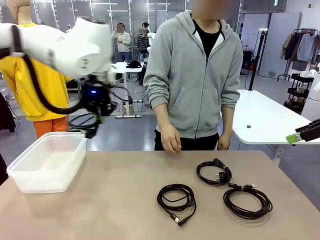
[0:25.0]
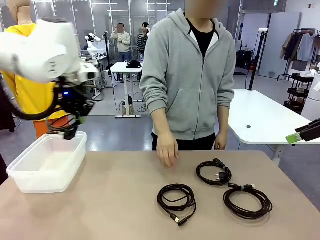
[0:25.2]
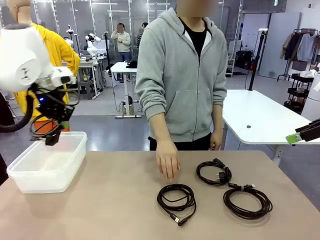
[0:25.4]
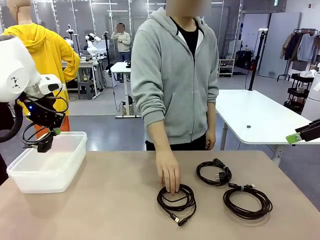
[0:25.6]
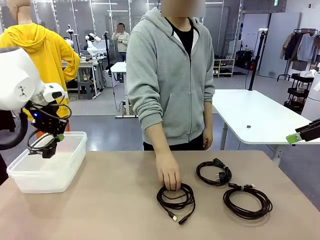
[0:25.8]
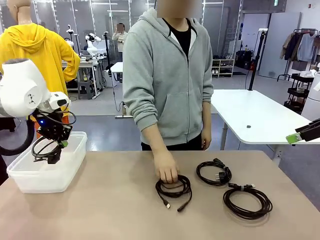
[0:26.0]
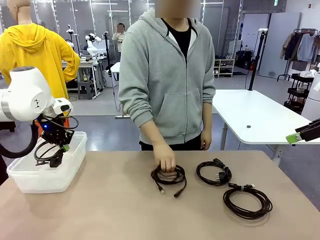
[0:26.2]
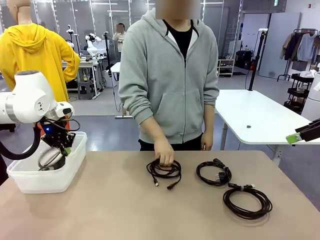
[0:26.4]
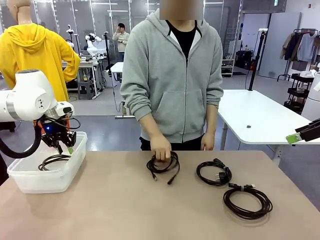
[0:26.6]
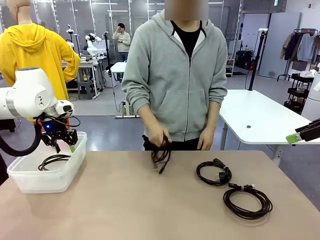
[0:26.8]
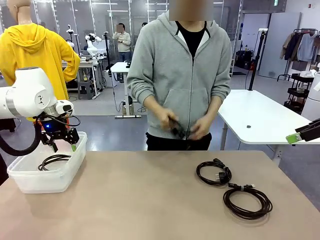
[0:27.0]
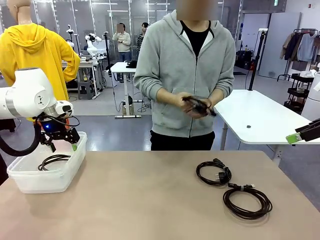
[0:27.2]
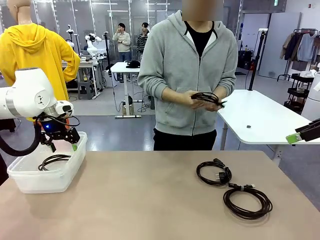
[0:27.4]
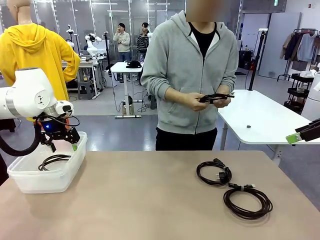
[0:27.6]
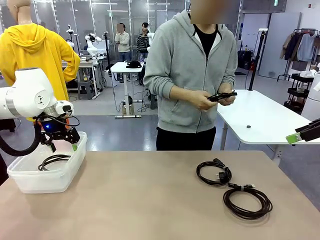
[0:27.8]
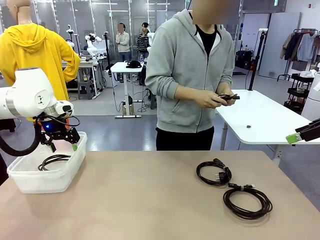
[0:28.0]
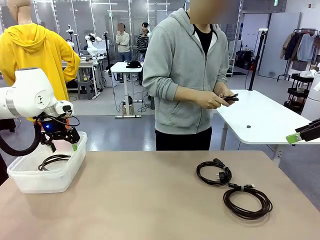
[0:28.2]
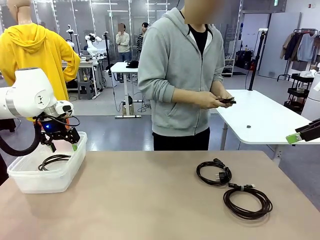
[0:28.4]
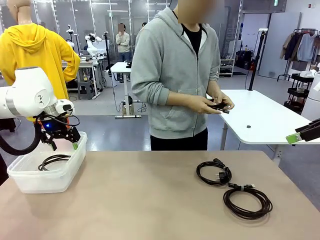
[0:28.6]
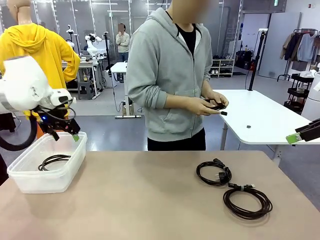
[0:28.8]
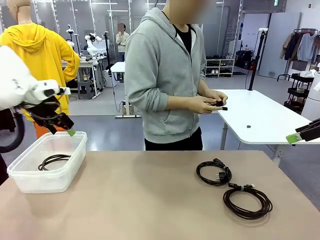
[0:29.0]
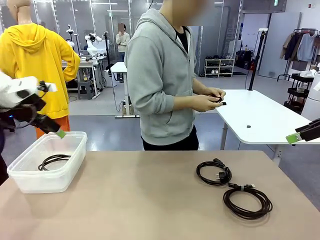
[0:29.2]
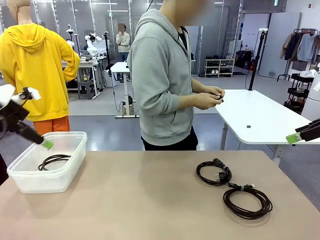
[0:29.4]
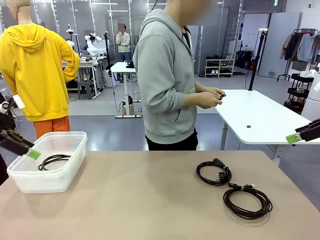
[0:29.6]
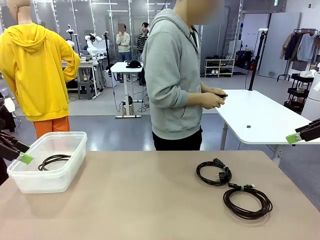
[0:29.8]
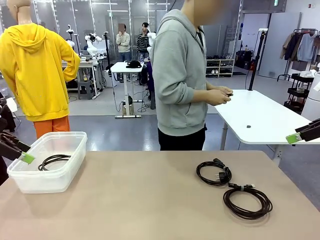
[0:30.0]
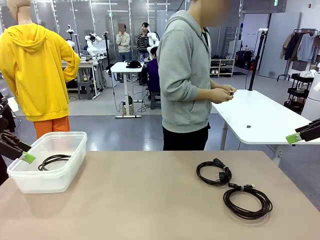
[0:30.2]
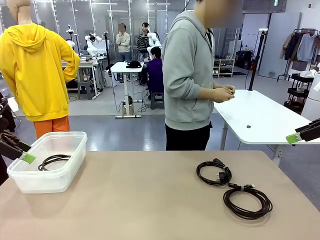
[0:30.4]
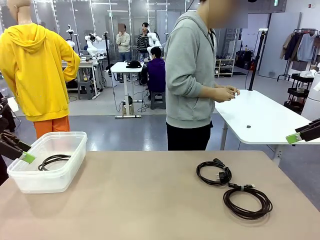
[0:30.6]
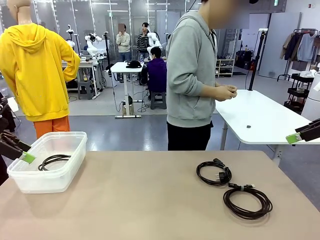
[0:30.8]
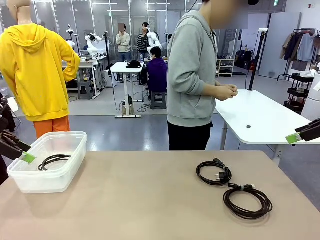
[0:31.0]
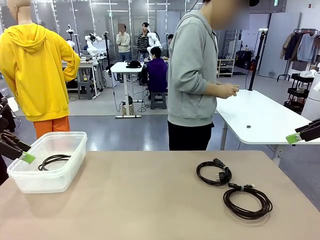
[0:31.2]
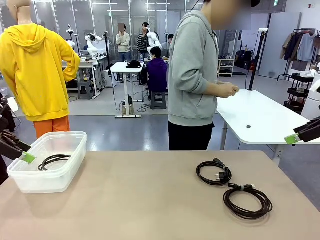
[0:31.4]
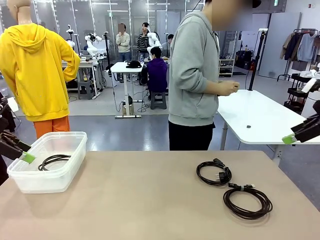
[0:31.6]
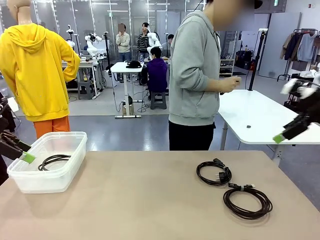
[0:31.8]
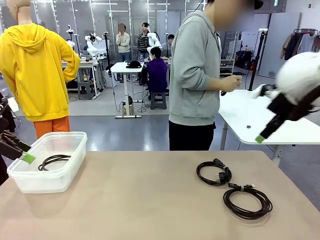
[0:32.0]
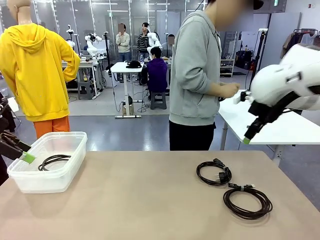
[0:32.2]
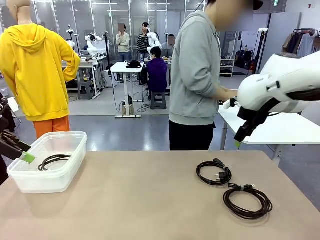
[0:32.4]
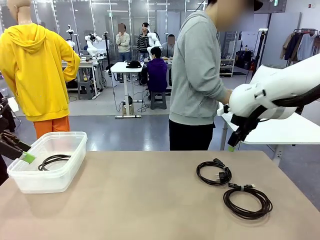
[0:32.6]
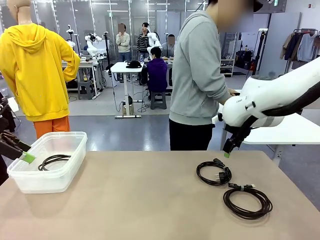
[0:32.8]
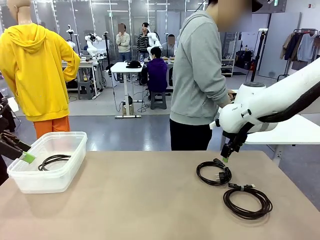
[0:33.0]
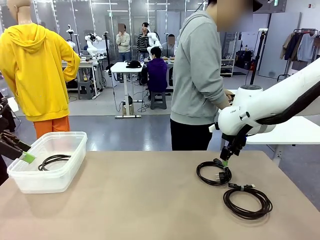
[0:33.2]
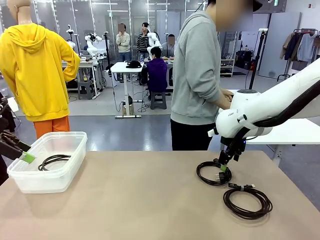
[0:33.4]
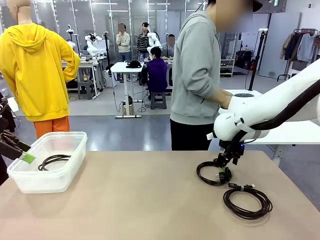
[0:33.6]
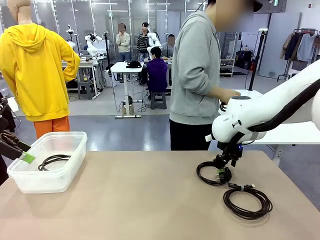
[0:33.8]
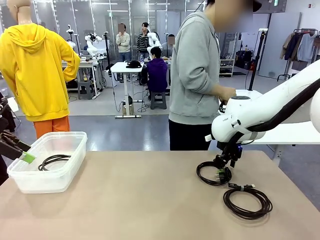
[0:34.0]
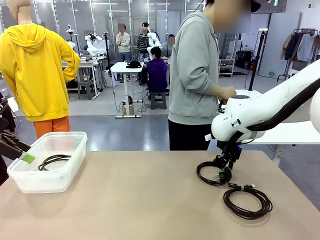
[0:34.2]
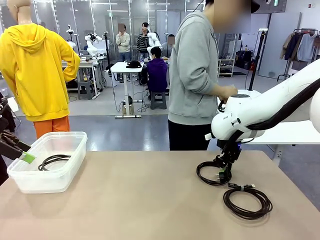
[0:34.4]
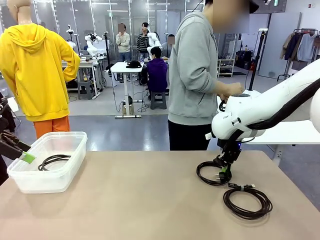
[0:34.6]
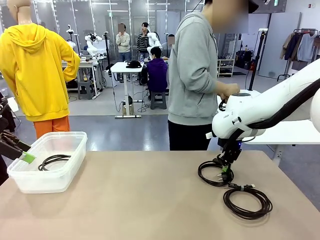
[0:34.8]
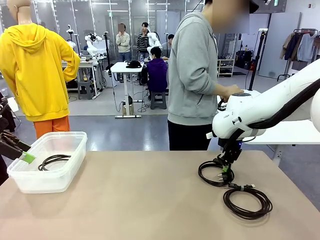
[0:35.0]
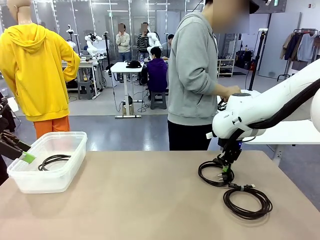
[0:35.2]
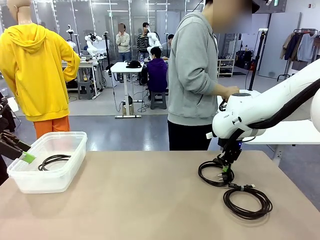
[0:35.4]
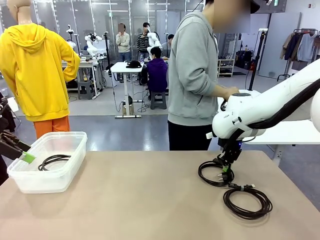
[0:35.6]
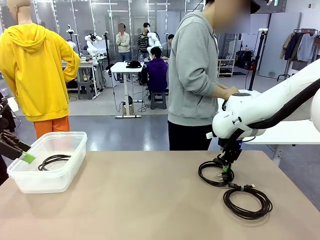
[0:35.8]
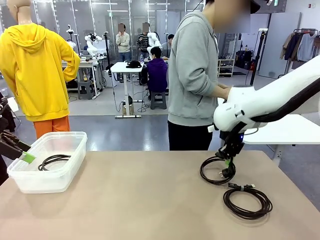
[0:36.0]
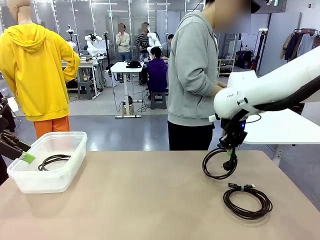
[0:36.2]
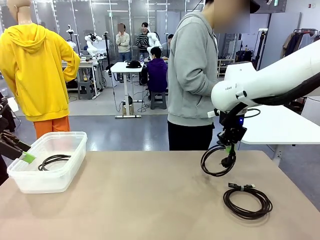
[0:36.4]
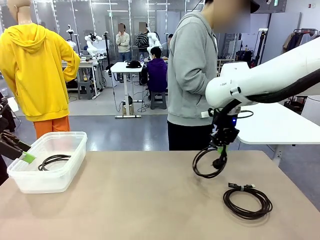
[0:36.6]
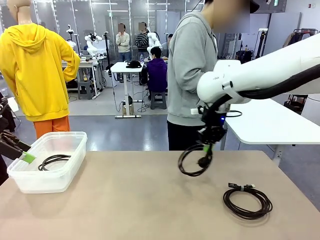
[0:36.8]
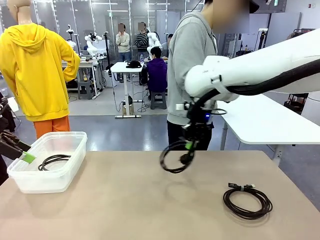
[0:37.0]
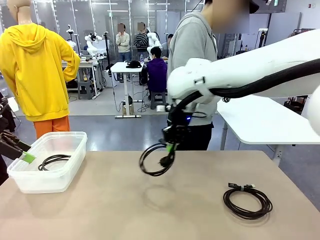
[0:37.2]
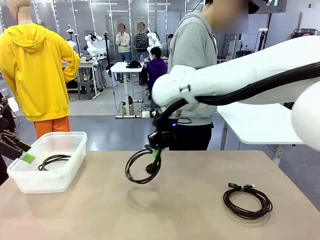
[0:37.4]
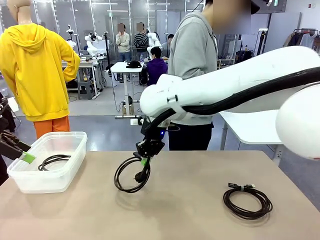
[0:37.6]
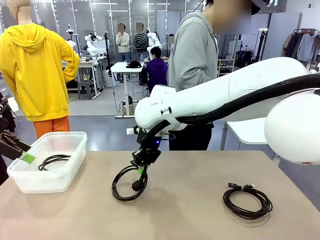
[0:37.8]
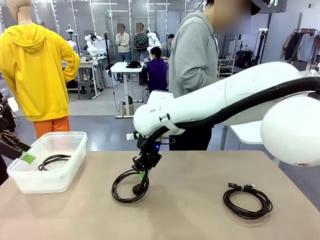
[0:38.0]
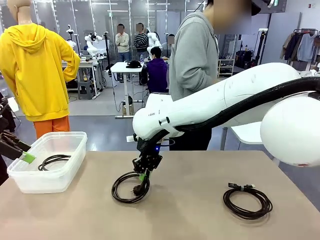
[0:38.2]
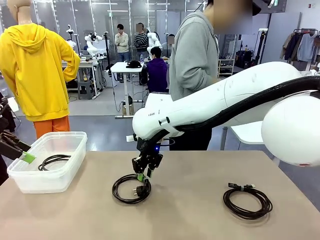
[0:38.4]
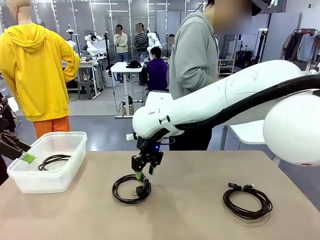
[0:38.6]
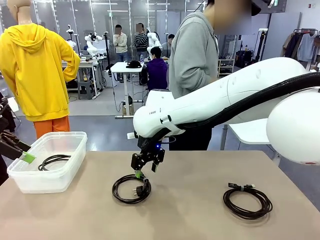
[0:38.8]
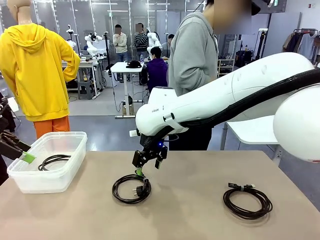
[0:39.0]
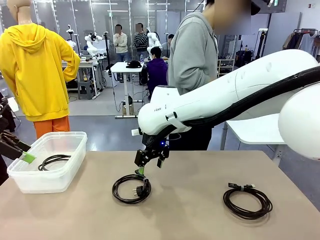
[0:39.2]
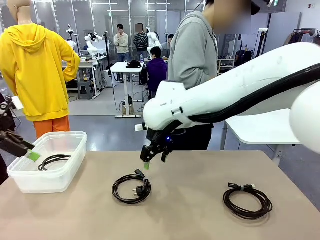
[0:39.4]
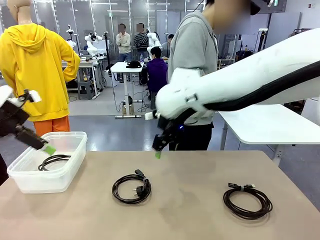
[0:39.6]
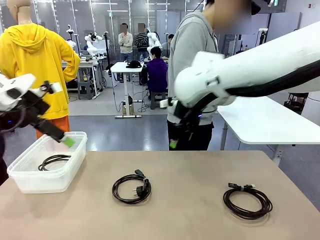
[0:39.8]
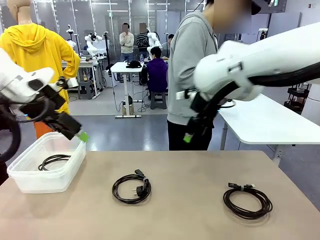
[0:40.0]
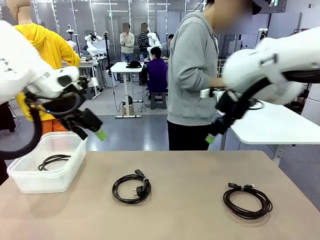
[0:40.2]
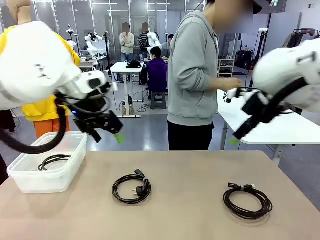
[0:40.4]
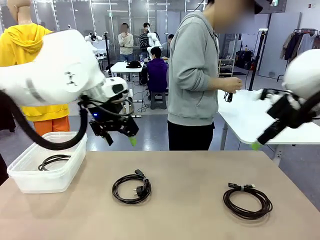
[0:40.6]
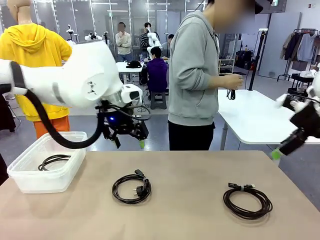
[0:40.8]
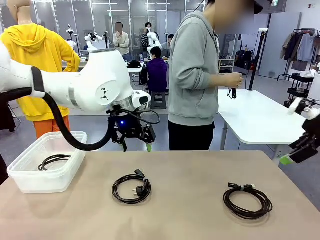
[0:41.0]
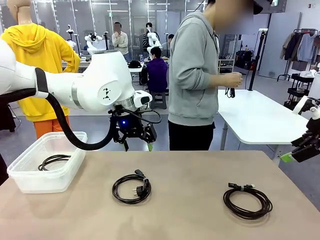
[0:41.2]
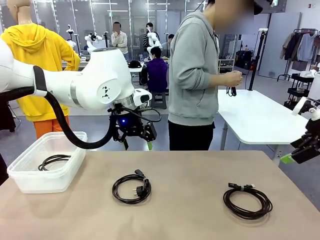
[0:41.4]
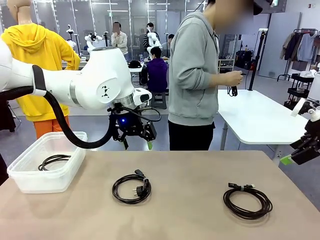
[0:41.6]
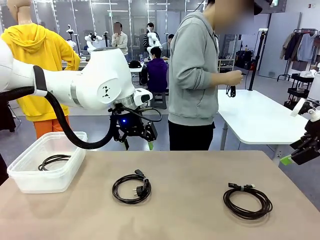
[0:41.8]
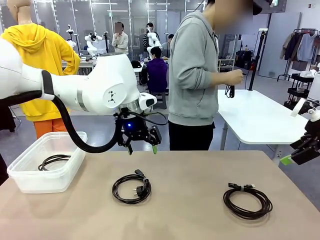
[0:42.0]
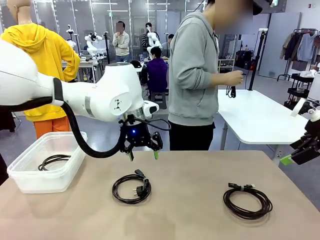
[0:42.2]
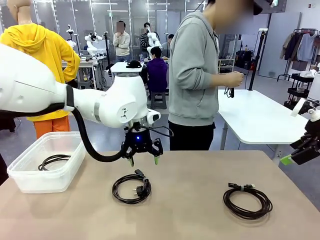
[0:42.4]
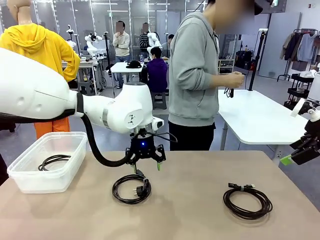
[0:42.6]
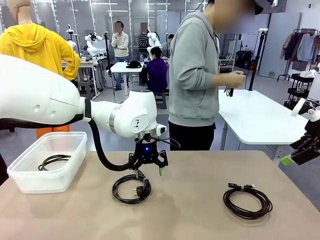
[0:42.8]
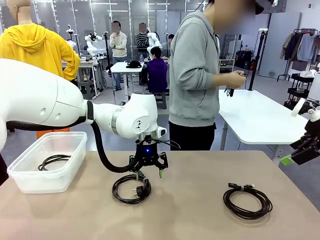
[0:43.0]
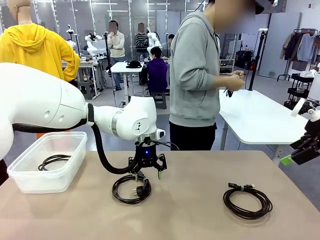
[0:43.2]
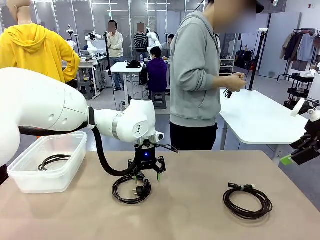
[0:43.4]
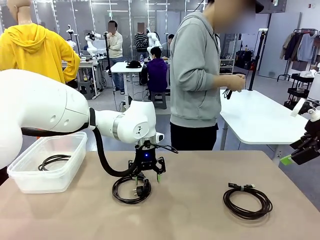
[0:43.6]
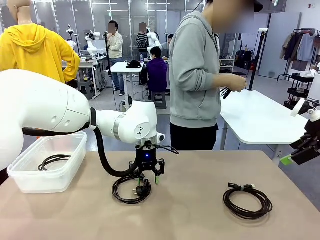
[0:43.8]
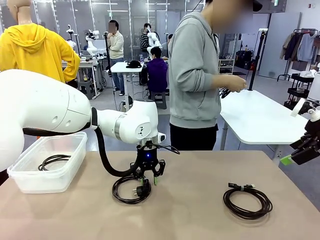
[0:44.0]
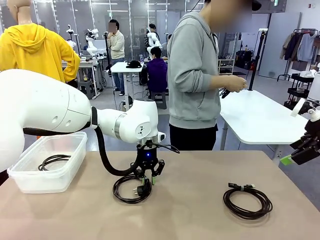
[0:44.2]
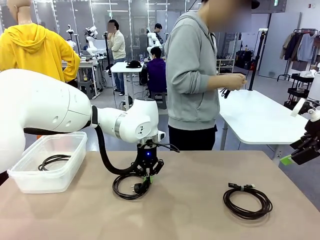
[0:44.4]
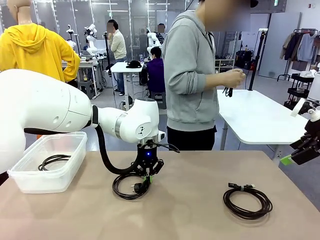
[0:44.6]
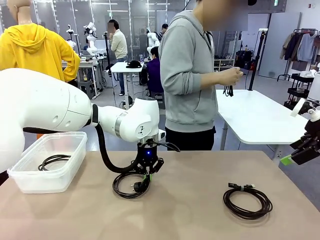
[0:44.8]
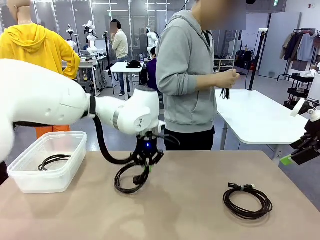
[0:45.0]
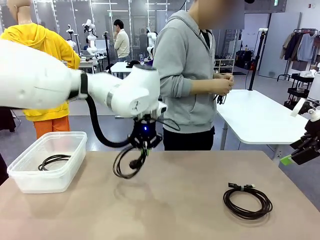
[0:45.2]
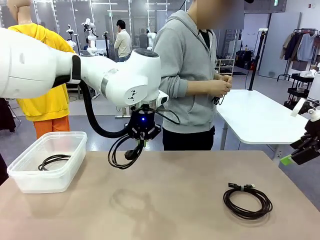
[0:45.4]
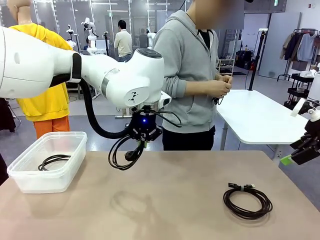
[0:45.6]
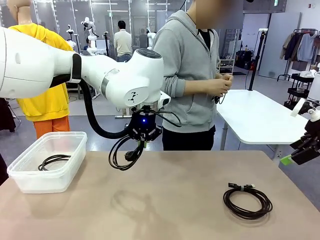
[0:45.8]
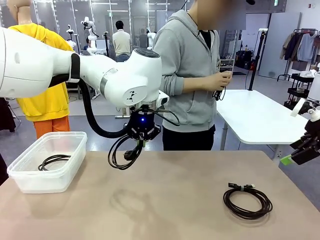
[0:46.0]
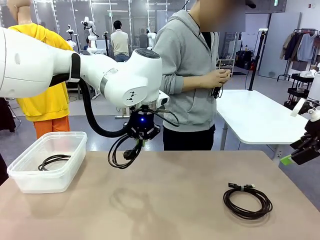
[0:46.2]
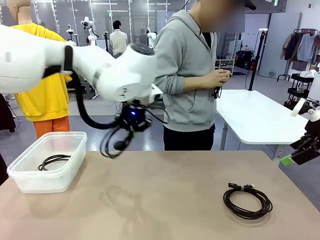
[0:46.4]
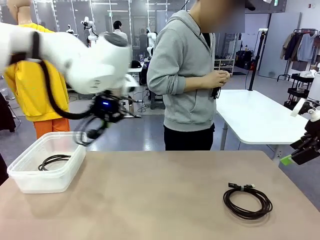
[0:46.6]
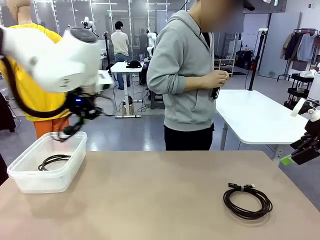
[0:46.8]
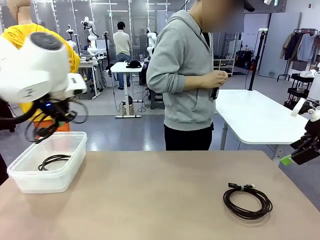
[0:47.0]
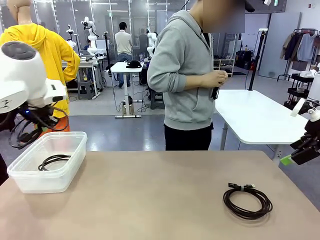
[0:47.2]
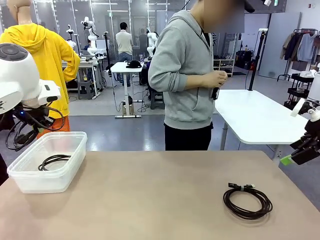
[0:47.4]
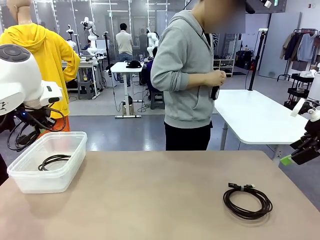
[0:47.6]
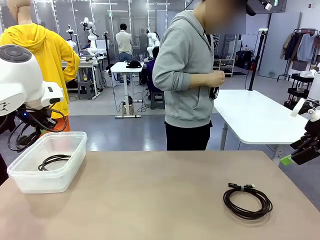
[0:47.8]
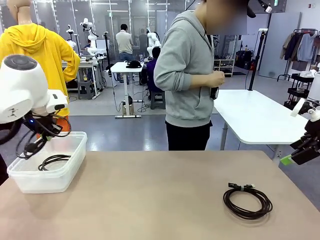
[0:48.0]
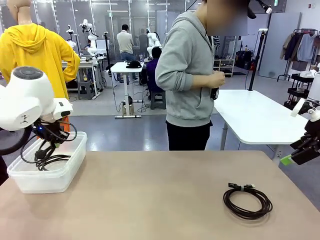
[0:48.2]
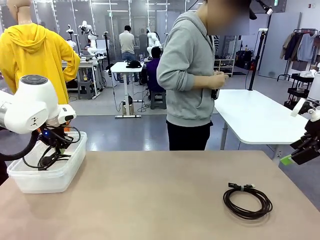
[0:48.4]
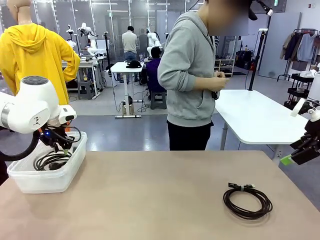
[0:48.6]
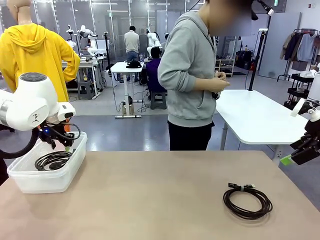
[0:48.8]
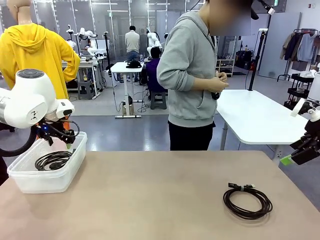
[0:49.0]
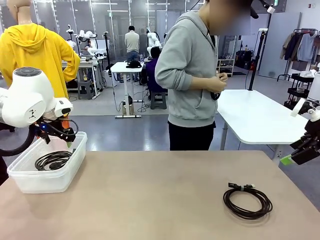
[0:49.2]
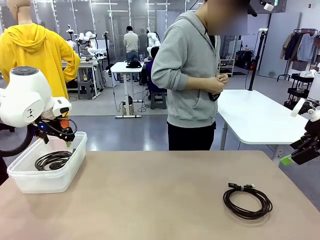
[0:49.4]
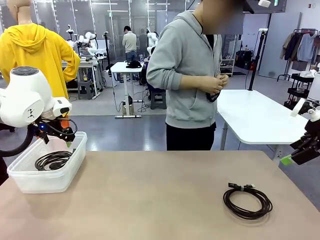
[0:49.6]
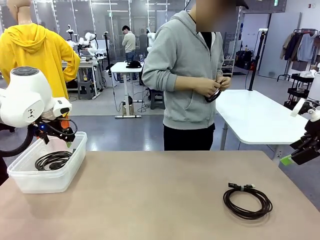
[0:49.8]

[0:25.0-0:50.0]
Task: Organize and store the cables.
Robot: Place the Power Cable into the Organizing box.
